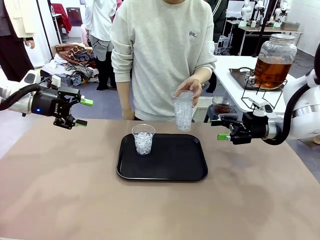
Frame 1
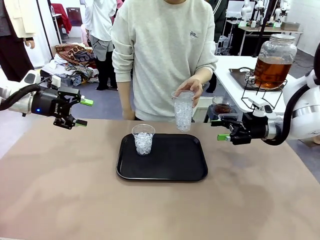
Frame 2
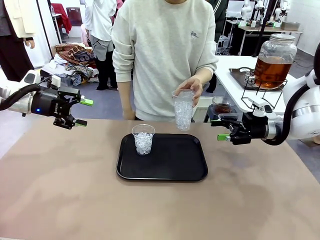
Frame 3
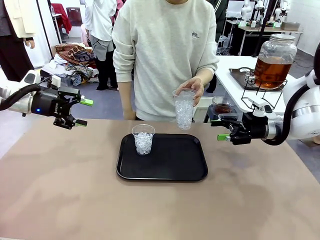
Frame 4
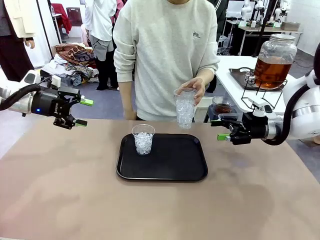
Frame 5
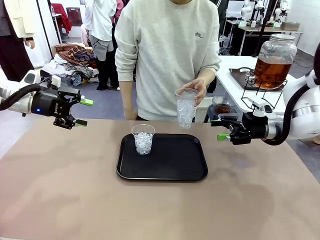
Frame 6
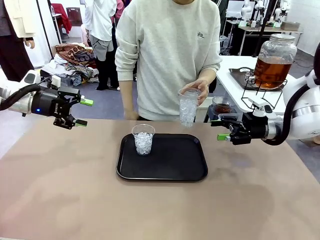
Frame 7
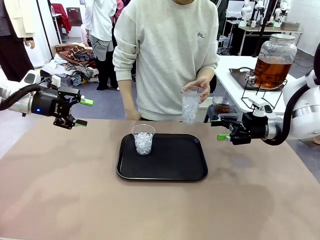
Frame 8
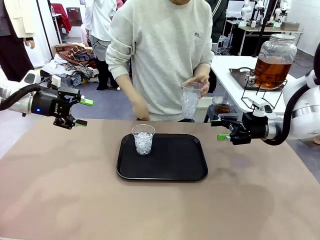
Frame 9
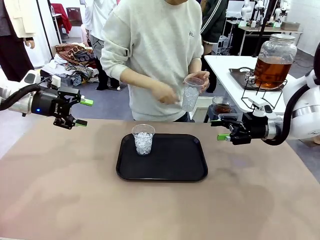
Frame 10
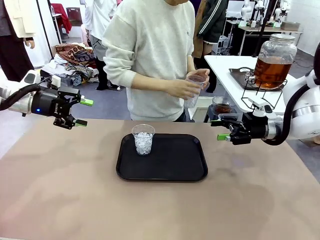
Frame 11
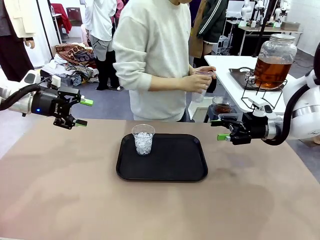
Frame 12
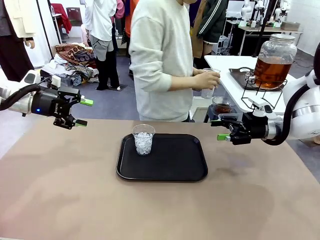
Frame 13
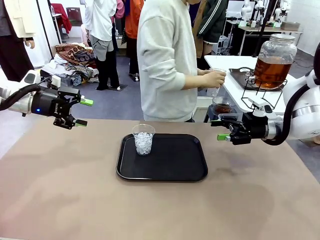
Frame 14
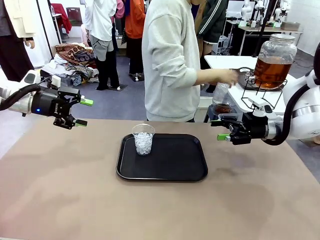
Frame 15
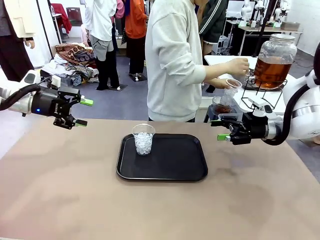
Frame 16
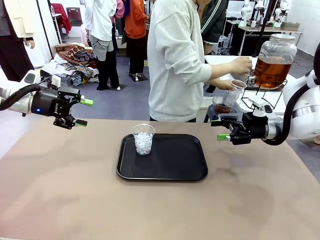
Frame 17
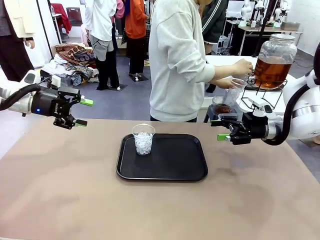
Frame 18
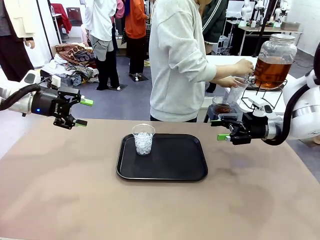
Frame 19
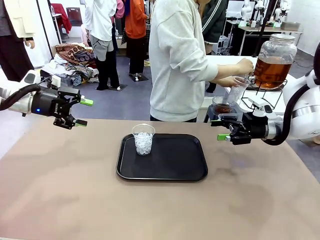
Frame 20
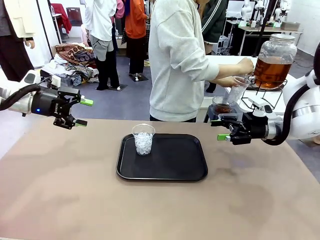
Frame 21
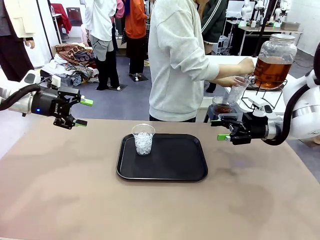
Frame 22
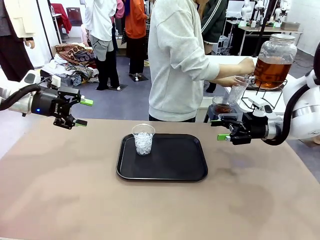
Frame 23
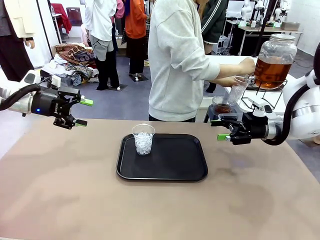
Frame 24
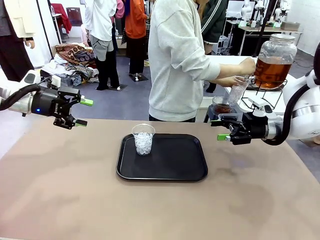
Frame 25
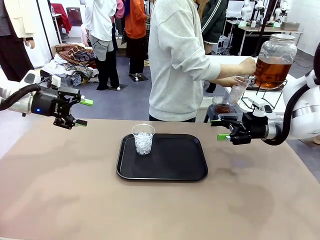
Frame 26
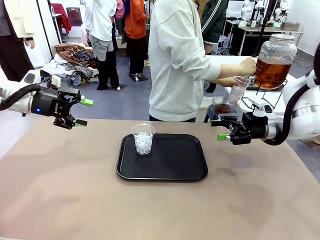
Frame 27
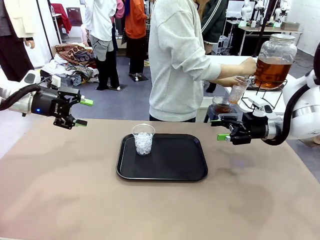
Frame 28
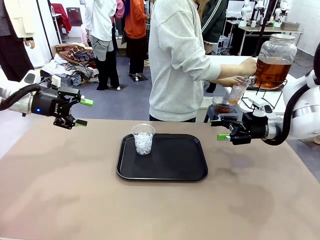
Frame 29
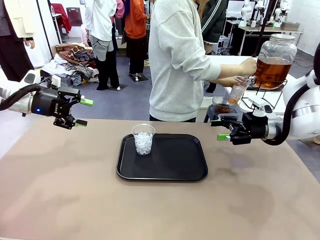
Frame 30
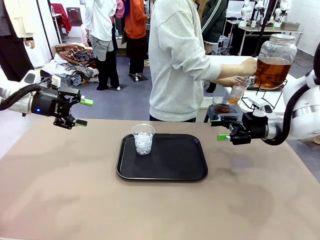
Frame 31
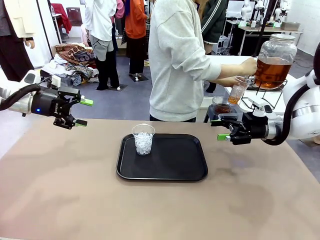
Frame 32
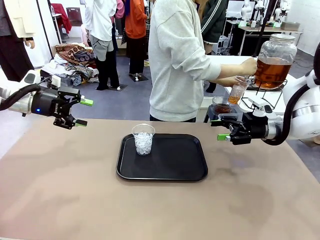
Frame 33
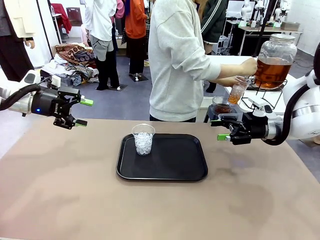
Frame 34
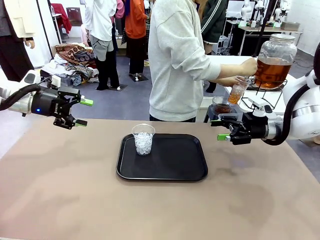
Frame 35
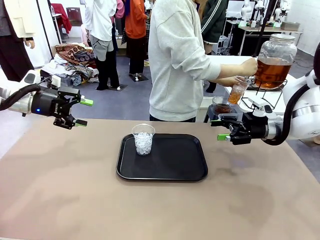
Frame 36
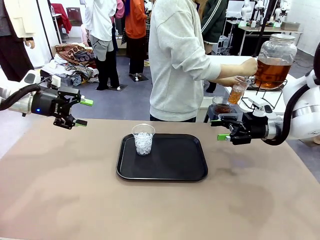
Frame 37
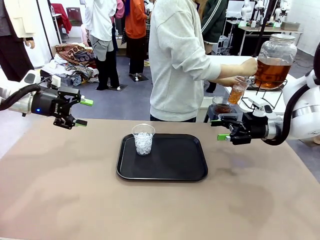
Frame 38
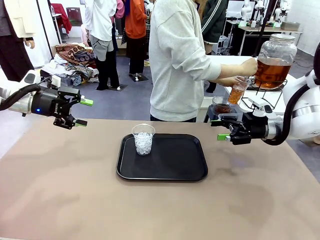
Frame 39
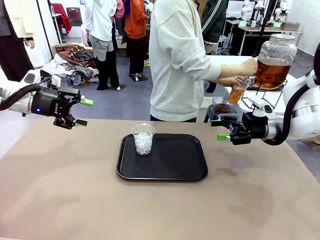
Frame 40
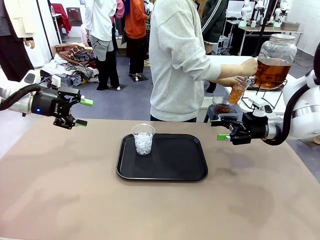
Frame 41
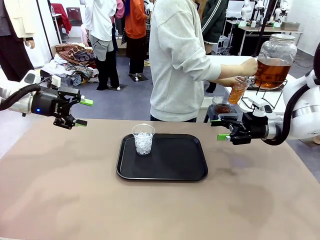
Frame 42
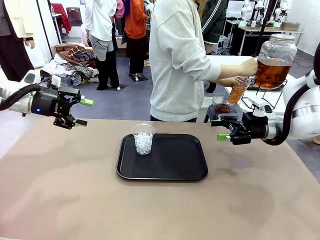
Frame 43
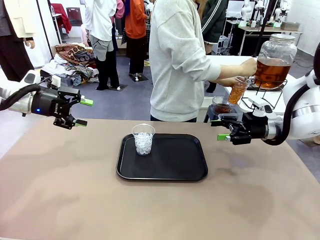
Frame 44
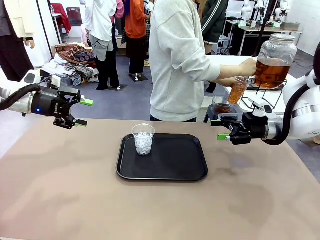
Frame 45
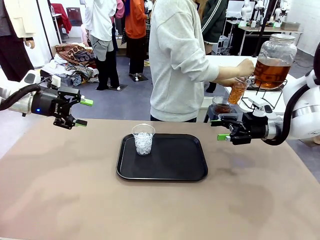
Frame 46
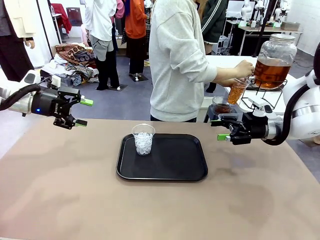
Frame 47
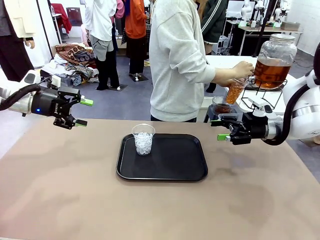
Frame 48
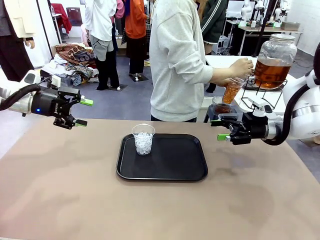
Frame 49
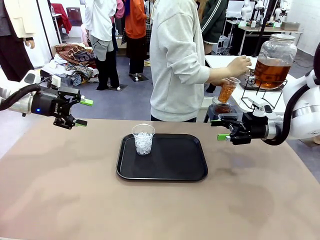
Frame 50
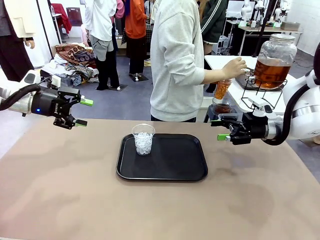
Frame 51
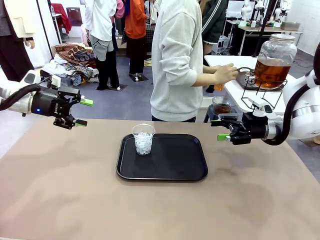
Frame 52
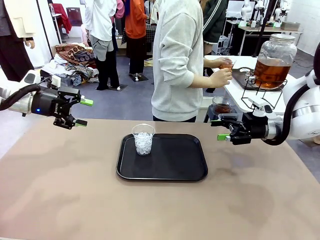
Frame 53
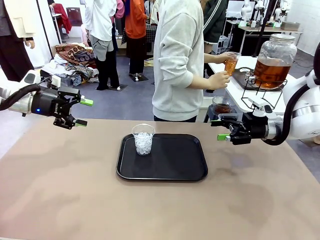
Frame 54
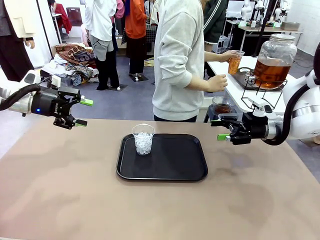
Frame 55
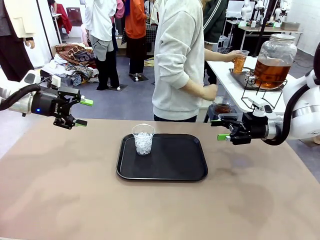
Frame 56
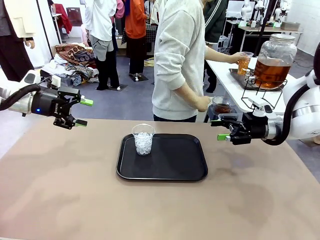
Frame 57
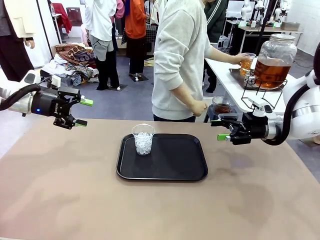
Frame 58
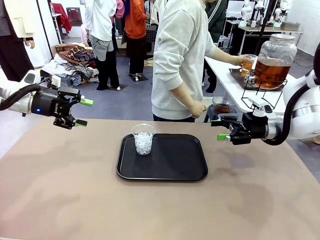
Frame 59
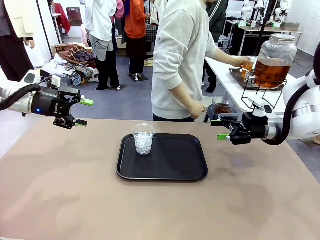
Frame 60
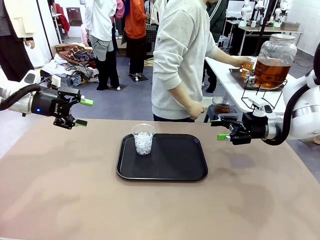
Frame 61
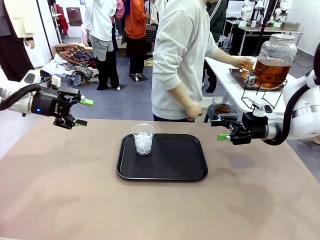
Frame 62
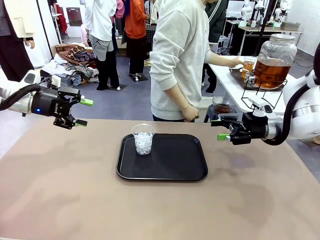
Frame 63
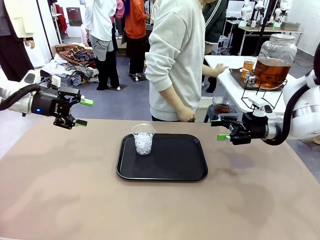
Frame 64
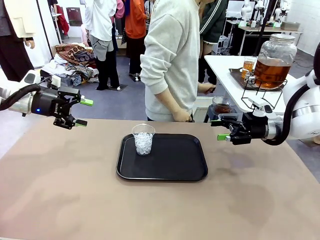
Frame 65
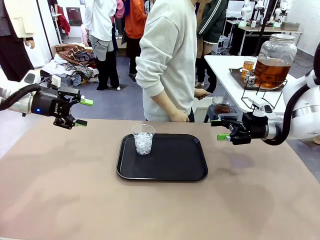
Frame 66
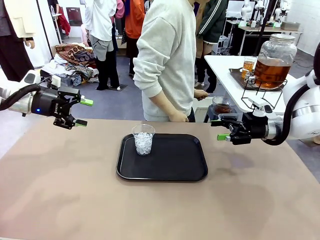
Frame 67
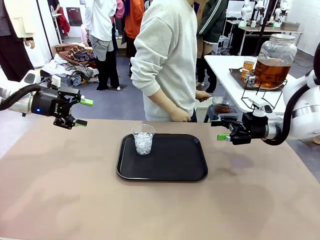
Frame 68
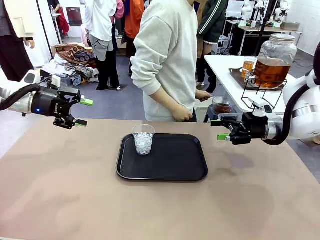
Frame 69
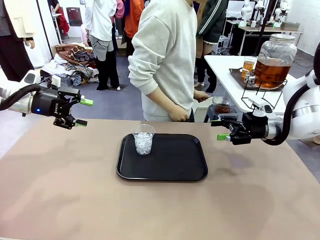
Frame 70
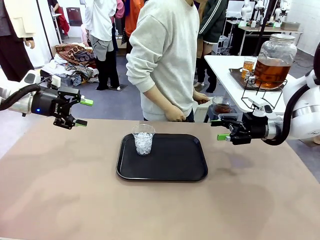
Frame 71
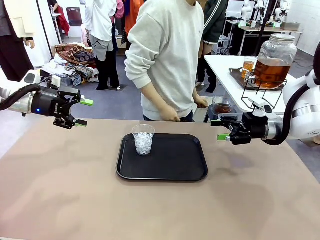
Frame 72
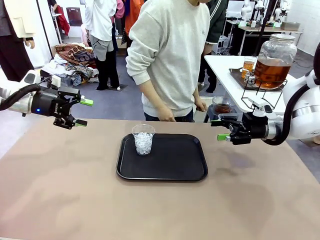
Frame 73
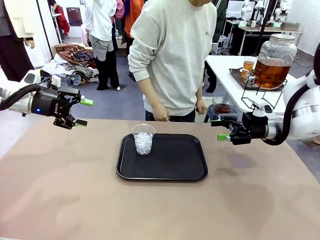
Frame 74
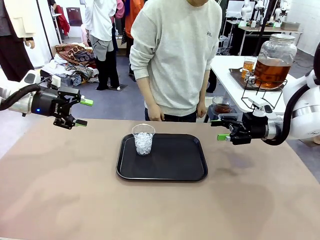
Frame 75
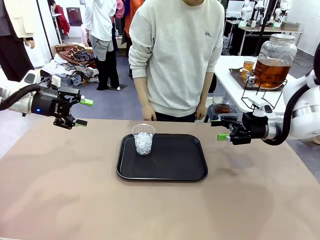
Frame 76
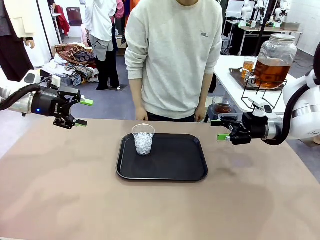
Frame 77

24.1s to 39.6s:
Task: Pour the drink into the iced cup.
Robot: Pick up the iced cup indicated by the human and present it to them.
Person: Move the picked-up cup under the dispenser faucet, pour the drink, and place it on the tray on the human table.

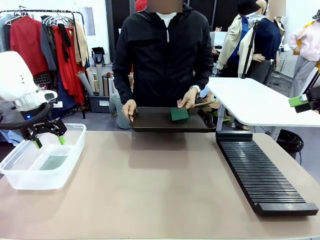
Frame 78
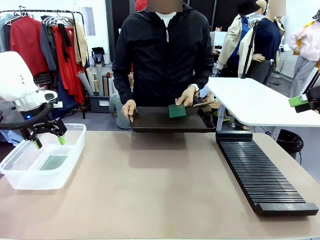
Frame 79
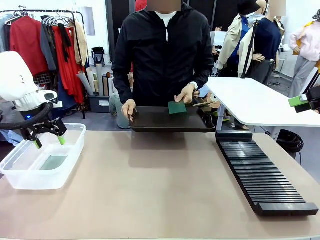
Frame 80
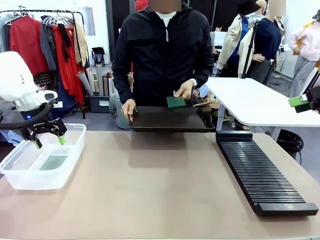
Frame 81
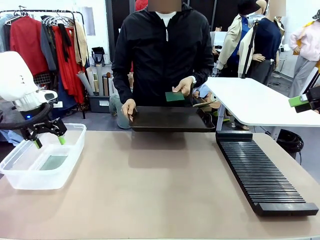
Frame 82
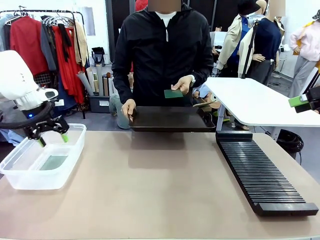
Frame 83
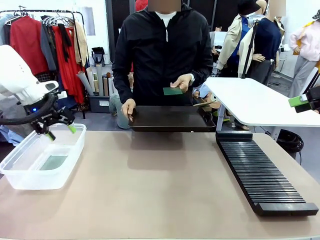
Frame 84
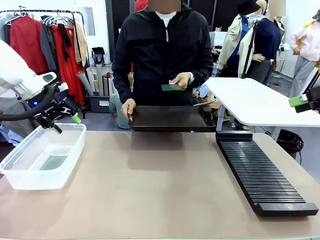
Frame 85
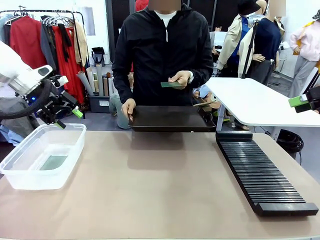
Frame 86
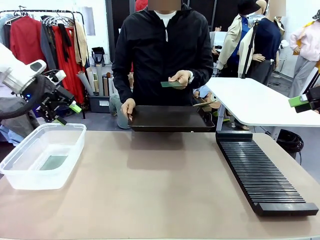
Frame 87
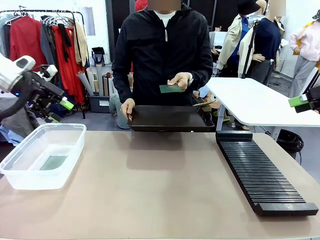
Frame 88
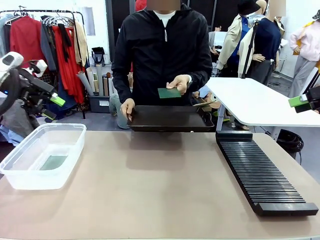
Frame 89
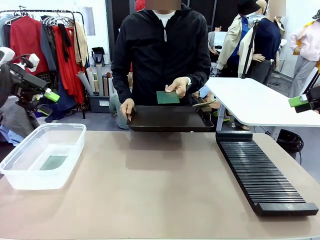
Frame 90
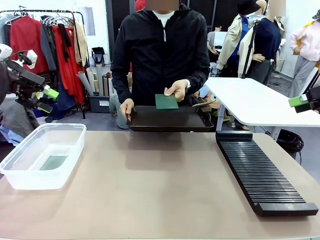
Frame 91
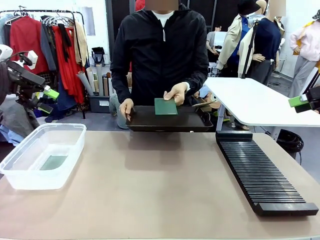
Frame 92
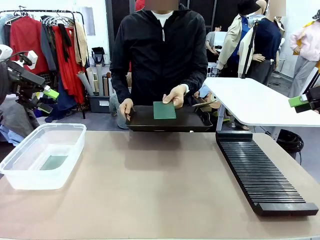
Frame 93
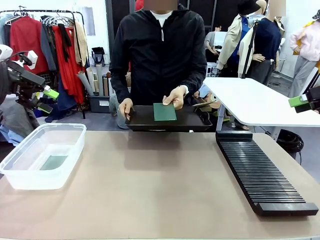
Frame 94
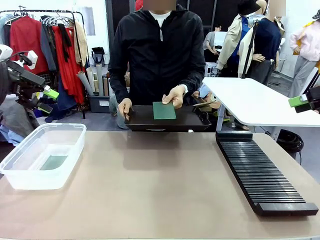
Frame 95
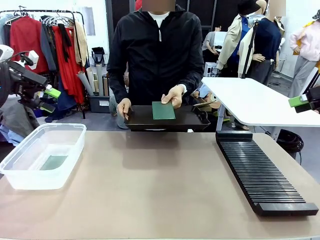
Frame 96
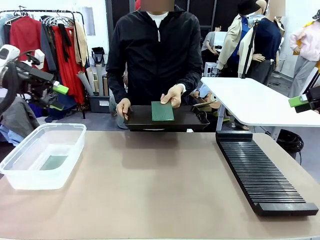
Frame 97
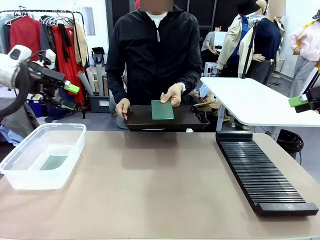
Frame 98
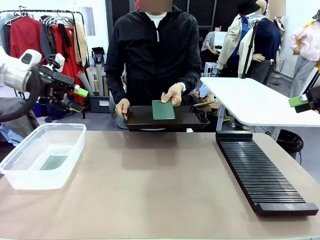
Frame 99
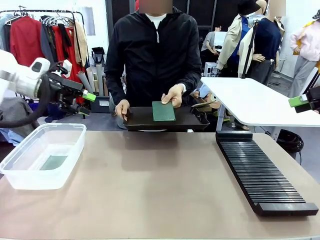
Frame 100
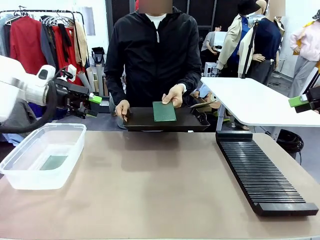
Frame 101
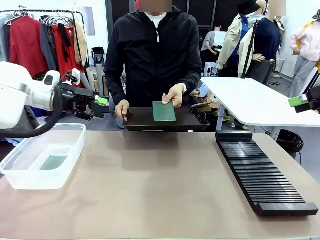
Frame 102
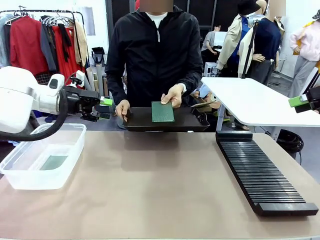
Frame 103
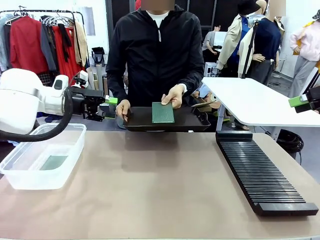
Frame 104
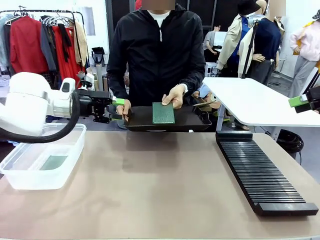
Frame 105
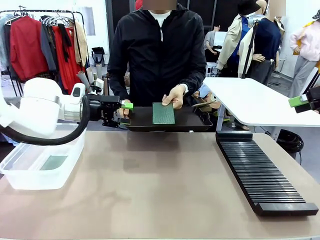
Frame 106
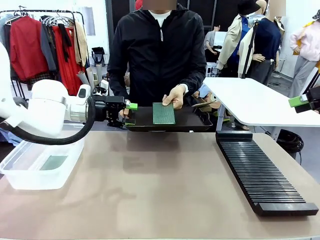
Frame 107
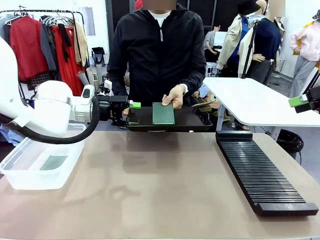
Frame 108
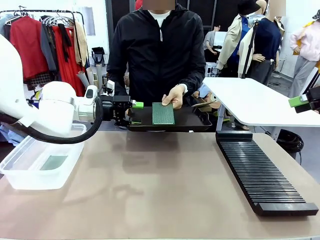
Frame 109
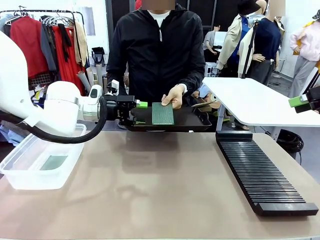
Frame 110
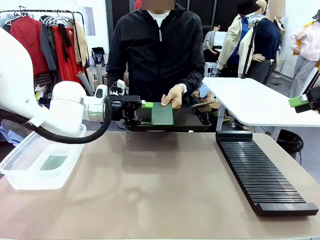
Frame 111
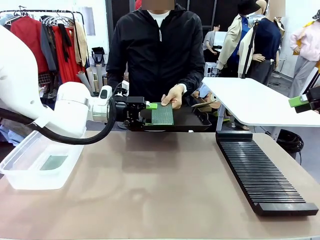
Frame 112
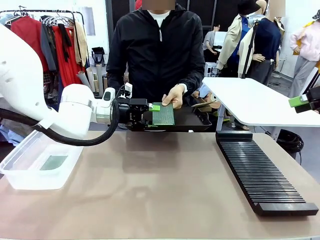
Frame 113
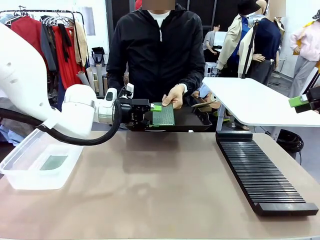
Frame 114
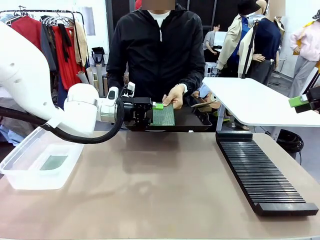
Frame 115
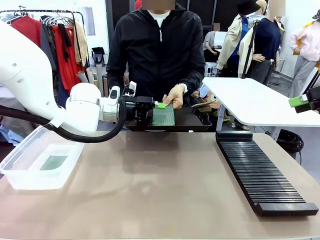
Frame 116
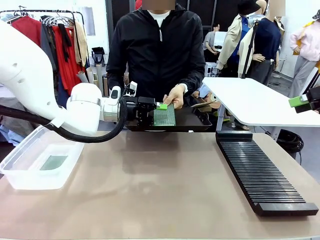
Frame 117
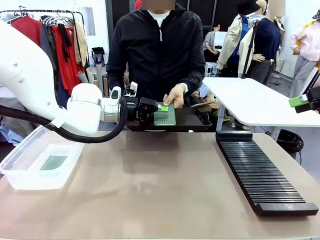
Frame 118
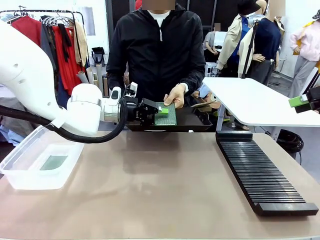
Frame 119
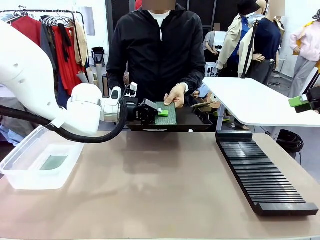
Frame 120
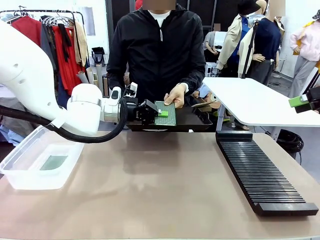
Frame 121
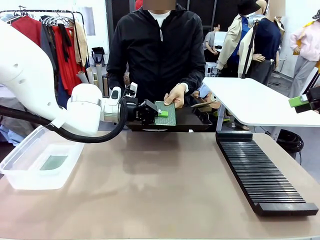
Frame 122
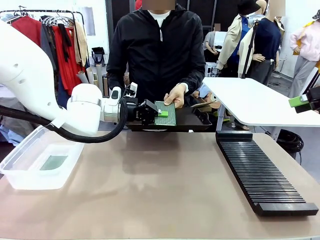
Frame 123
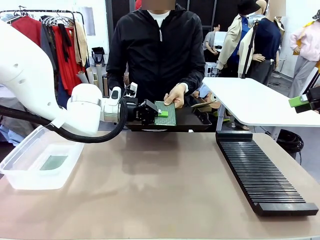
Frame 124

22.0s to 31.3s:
Task: Sort PCBs into racks and boxes based on the side picked up.
Robot: Pick up the Blank PCB handed by the Human.
